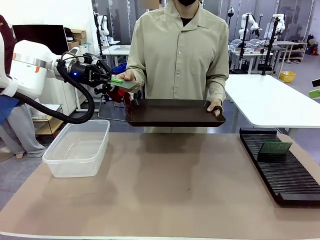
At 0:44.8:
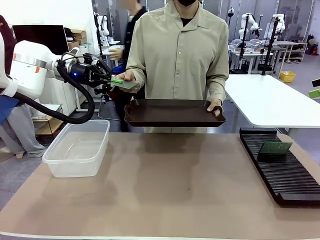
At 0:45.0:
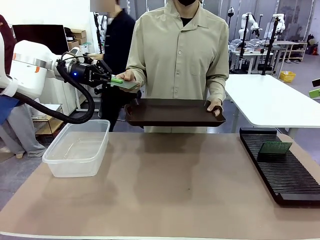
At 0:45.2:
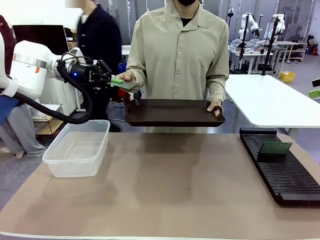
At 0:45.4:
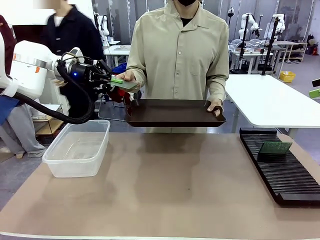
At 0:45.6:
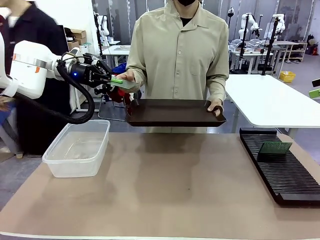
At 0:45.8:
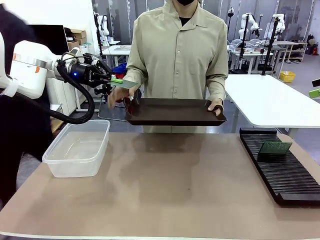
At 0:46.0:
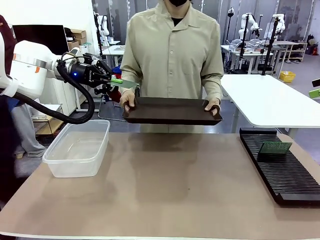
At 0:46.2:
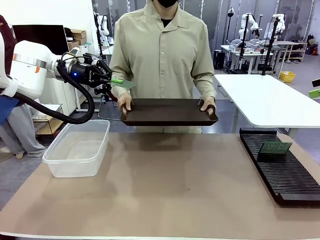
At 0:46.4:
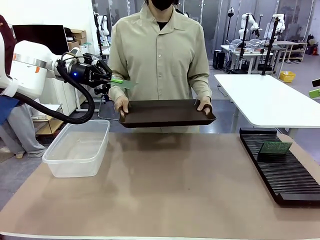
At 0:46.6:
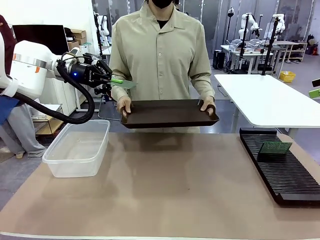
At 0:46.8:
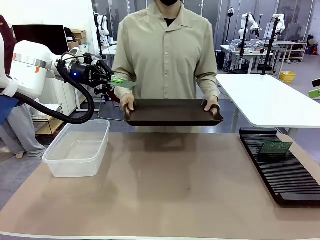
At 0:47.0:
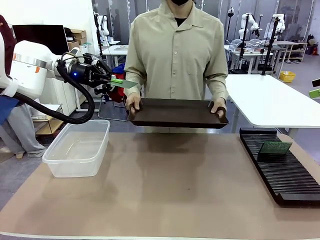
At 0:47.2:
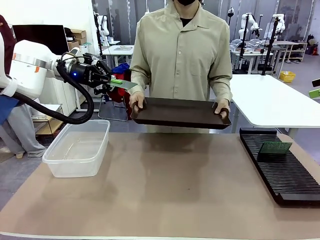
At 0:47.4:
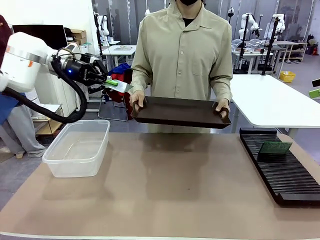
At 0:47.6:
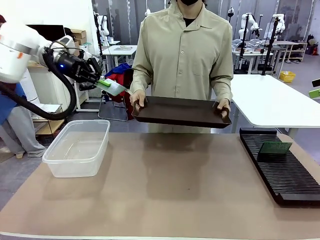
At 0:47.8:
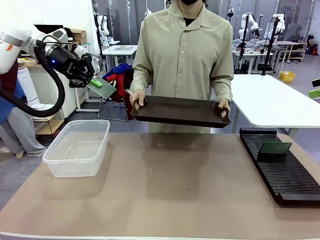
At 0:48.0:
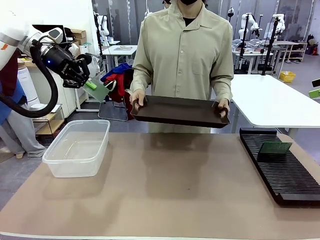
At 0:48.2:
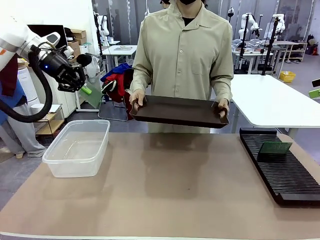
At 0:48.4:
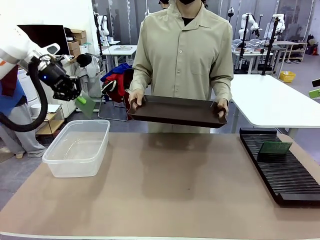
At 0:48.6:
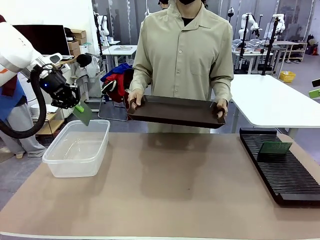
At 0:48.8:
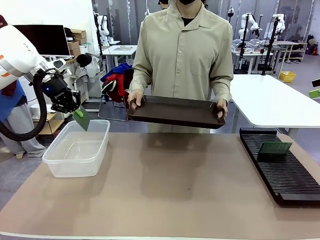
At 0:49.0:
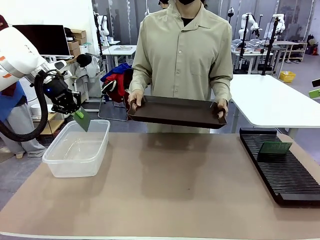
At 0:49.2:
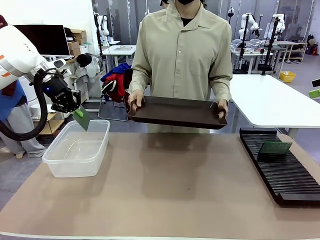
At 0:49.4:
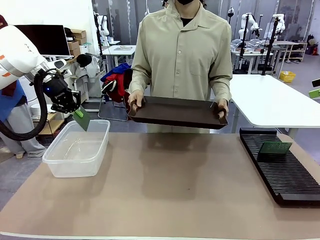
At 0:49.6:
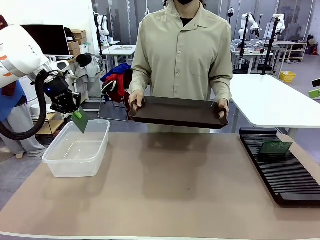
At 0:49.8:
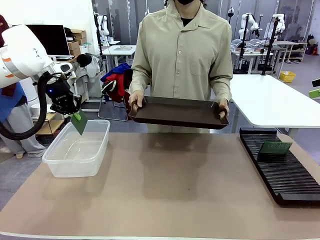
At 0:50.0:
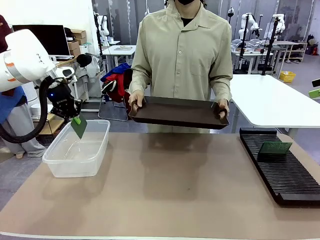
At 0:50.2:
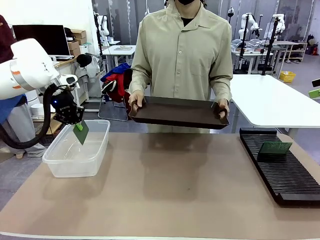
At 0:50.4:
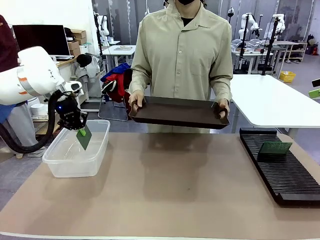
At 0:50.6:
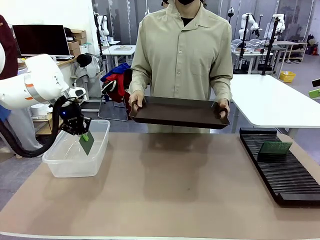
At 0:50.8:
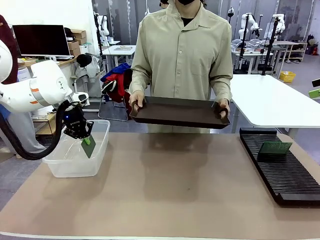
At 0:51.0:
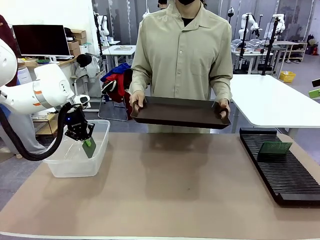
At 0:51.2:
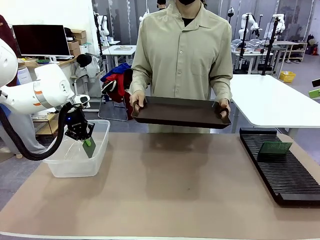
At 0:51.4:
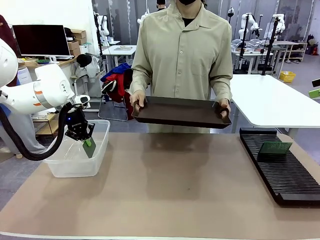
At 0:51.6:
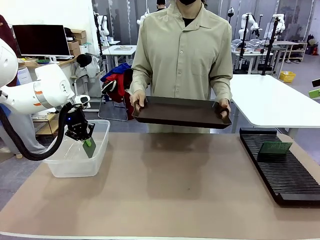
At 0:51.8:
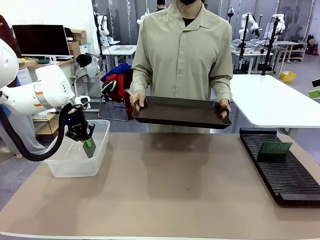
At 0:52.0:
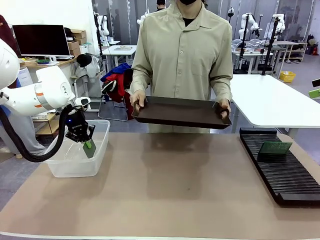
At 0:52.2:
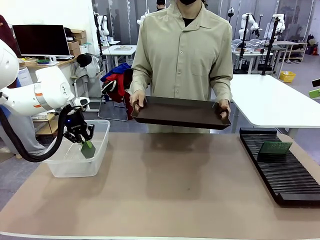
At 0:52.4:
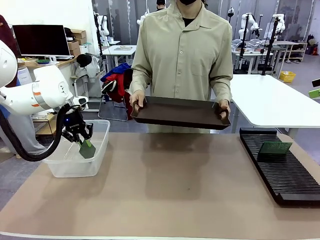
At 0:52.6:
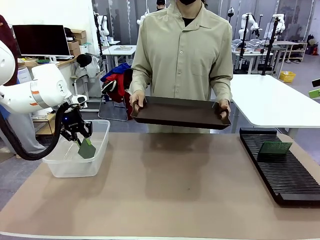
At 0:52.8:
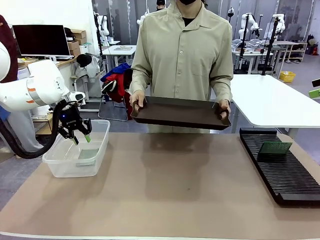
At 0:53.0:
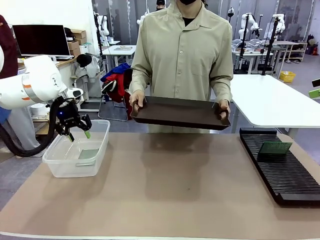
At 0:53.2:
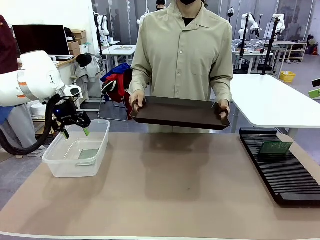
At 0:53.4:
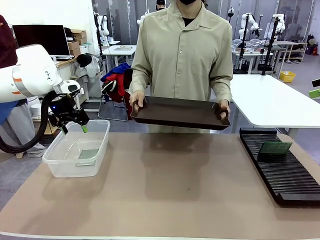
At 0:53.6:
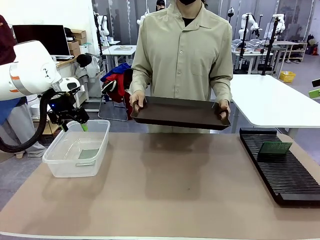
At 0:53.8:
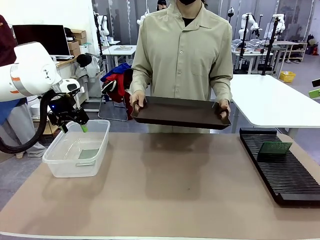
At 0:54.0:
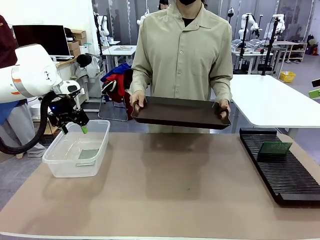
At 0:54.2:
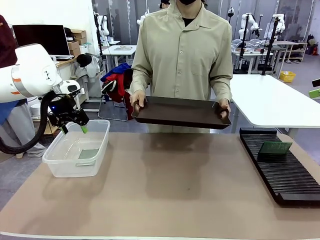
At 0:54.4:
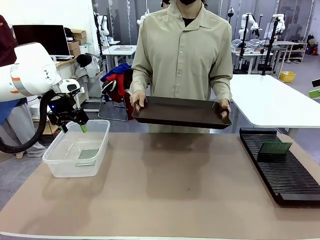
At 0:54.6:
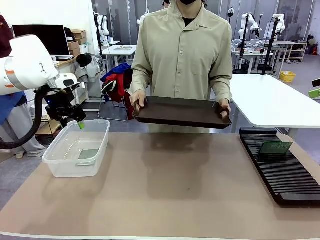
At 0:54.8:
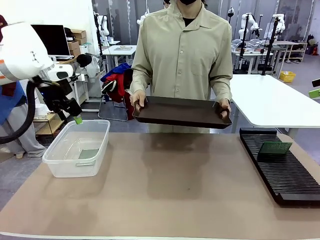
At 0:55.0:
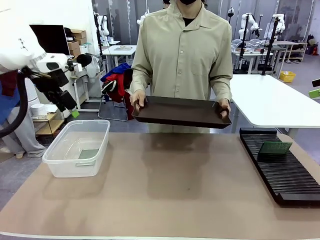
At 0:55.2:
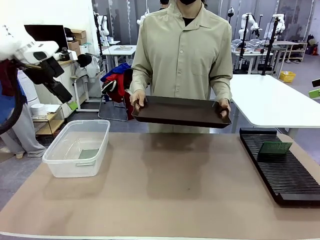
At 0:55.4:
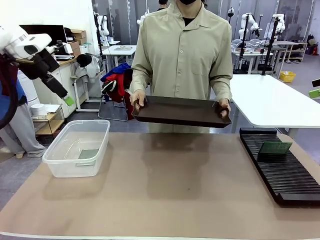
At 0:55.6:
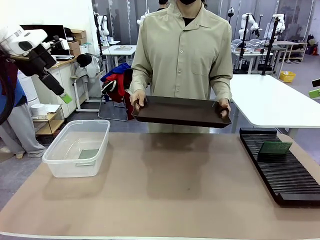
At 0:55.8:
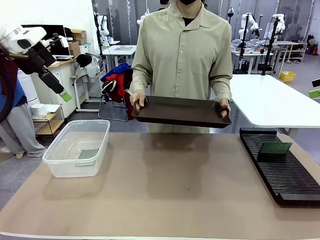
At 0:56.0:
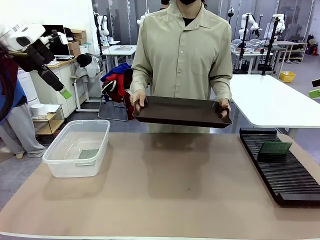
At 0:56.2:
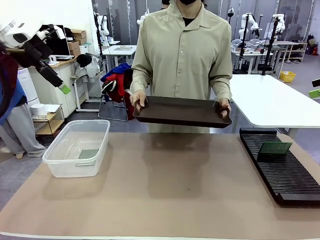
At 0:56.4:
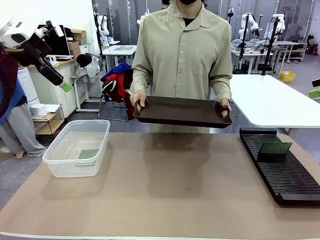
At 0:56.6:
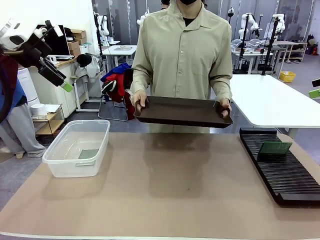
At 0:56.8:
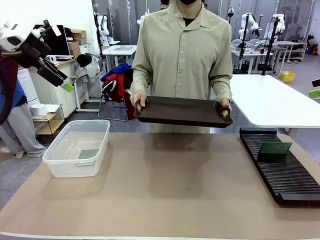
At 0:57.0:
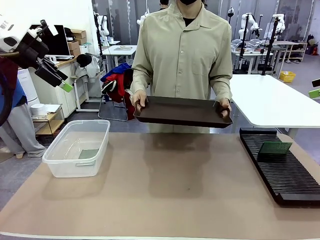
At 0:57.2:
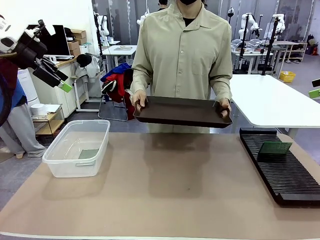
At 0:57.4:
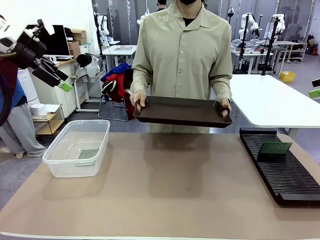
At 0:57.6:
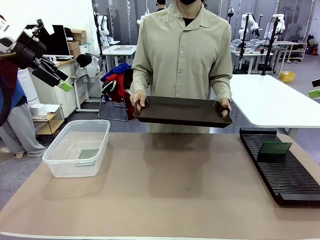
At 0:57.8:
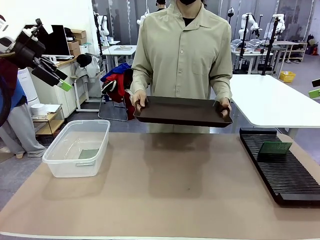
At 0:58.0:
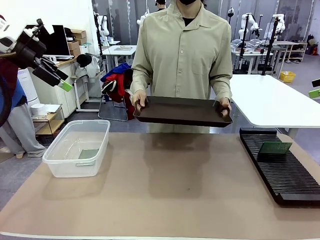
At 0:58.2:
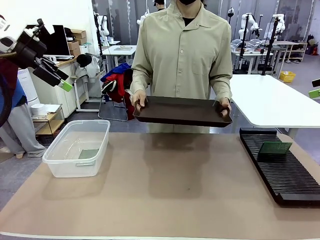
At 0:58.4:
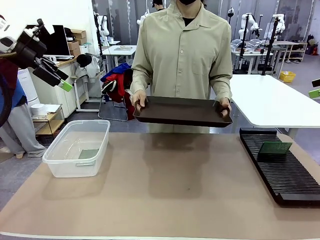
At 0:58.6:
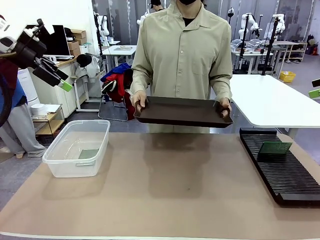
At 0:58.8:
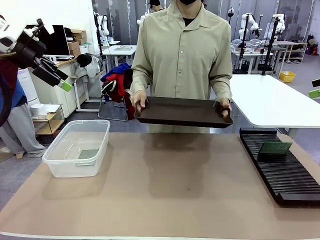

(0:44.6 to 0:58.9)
Task: Sort PCBs into racks and boxes based on the side picked up.
Robot: If the short side of the Blank PCB is picked up, insert it into the PCB Rack ; if the long side is picked up, place it in the Organizing box.
Person: Release the PCB being held.
